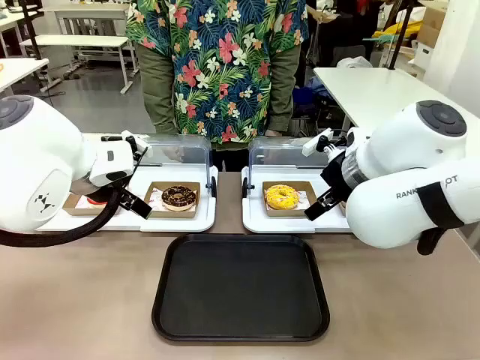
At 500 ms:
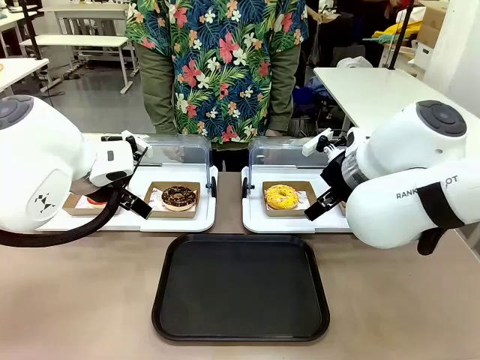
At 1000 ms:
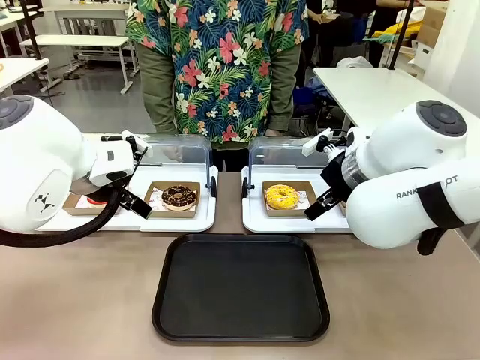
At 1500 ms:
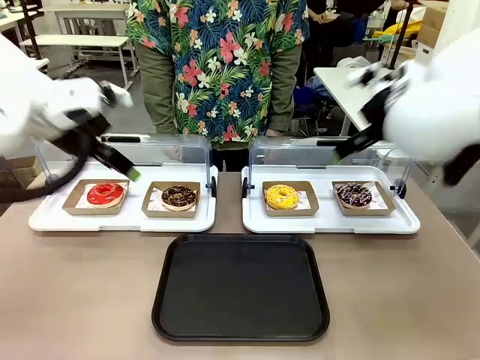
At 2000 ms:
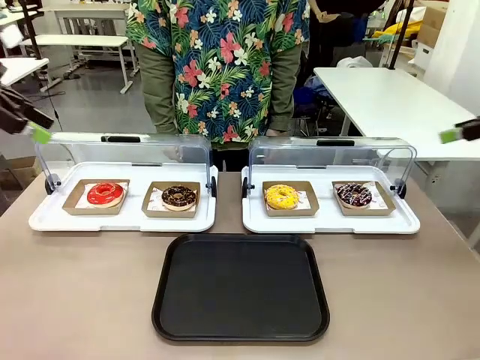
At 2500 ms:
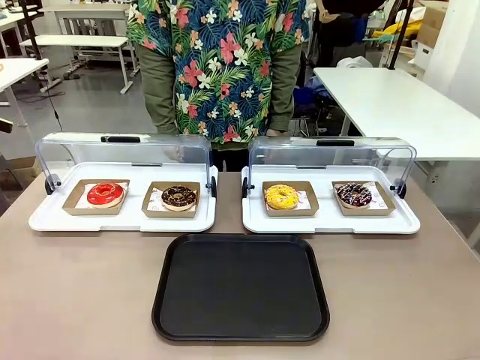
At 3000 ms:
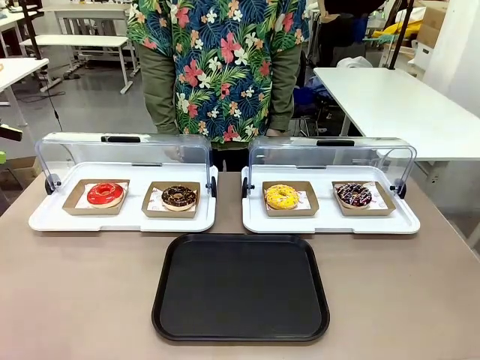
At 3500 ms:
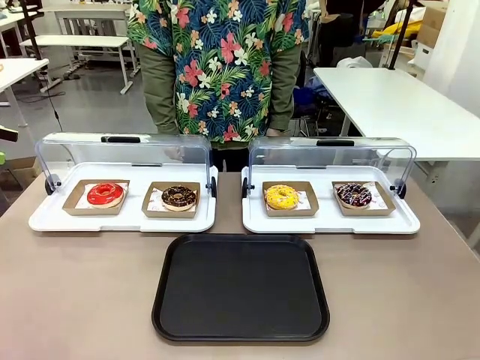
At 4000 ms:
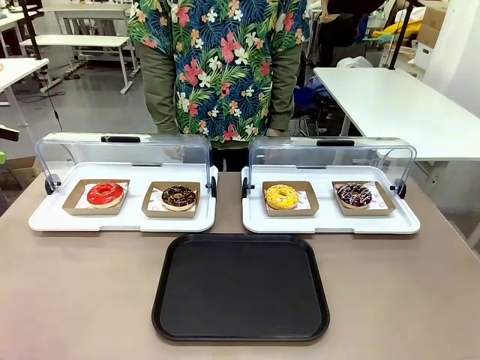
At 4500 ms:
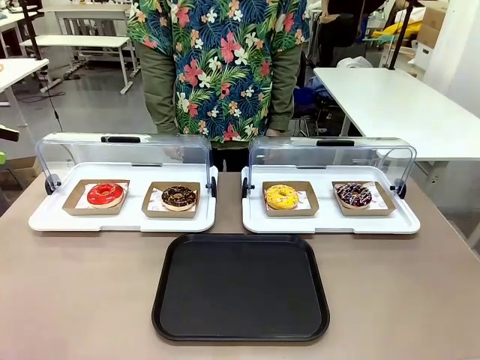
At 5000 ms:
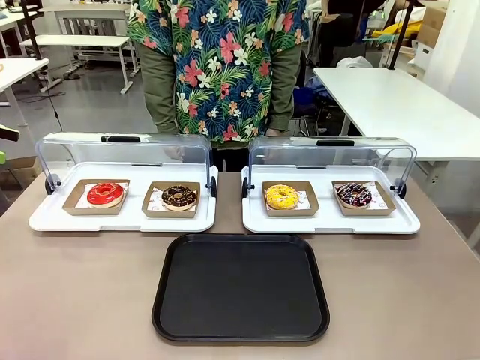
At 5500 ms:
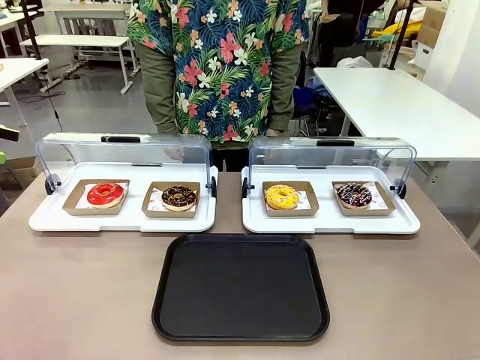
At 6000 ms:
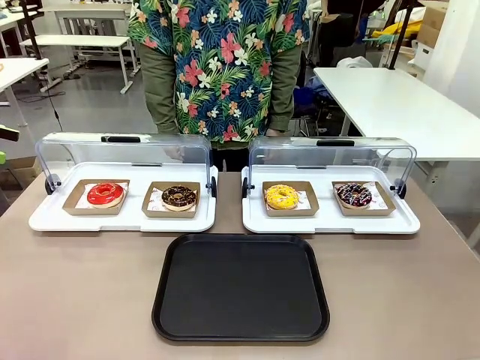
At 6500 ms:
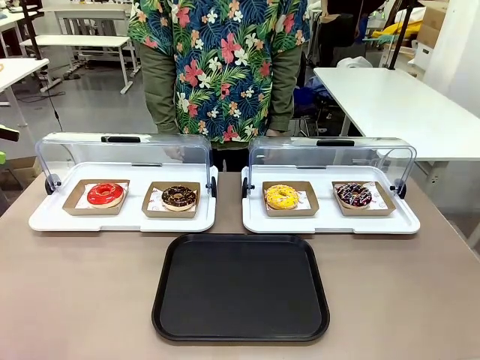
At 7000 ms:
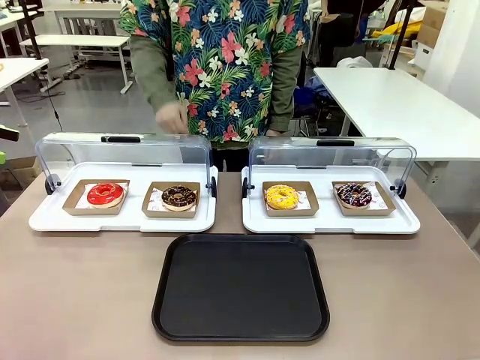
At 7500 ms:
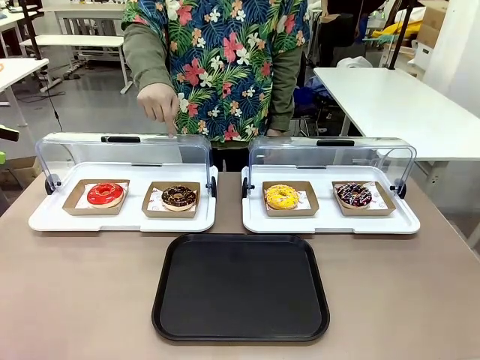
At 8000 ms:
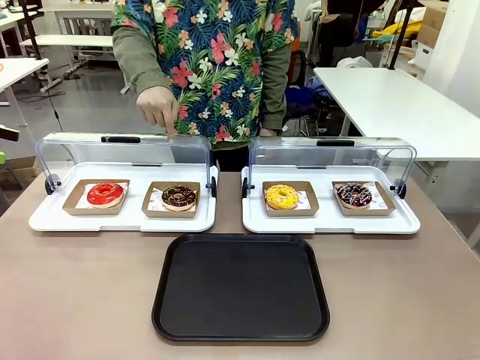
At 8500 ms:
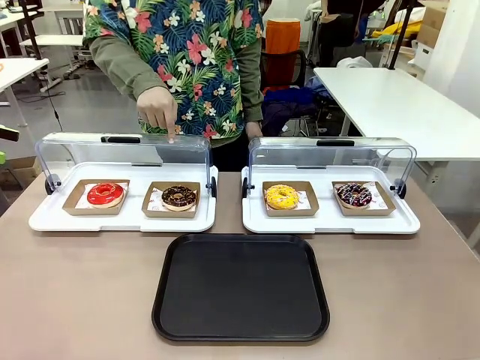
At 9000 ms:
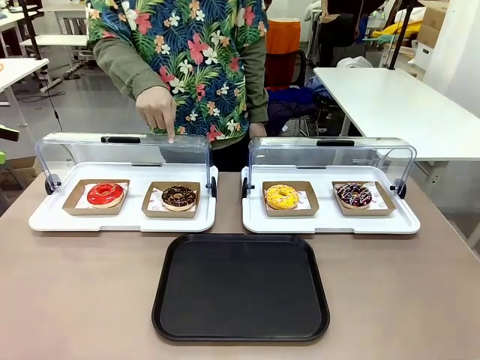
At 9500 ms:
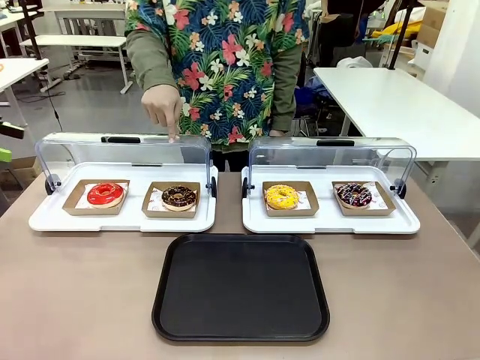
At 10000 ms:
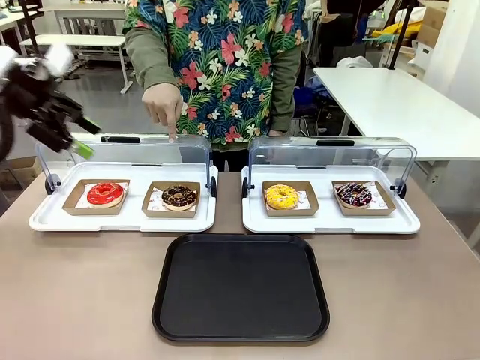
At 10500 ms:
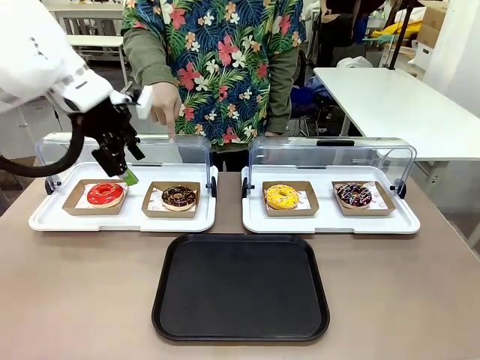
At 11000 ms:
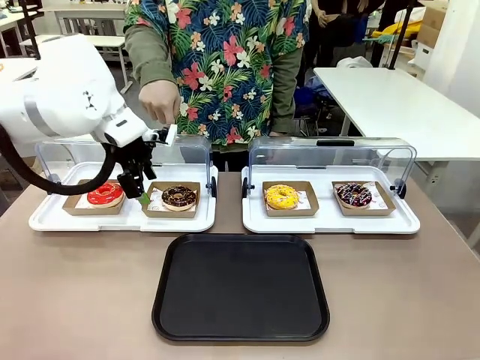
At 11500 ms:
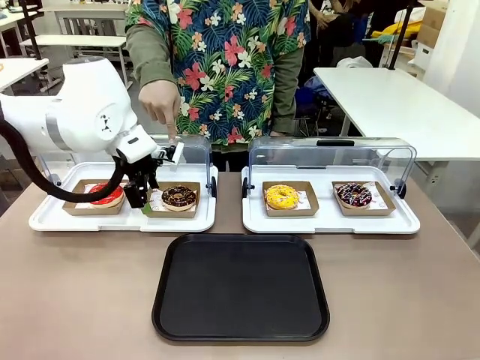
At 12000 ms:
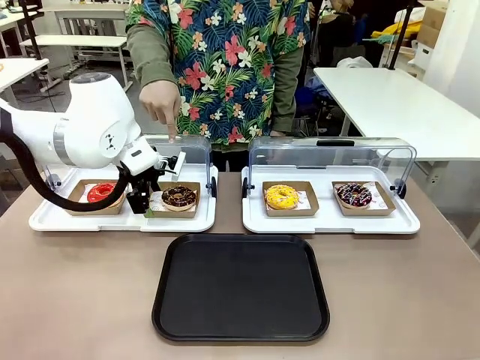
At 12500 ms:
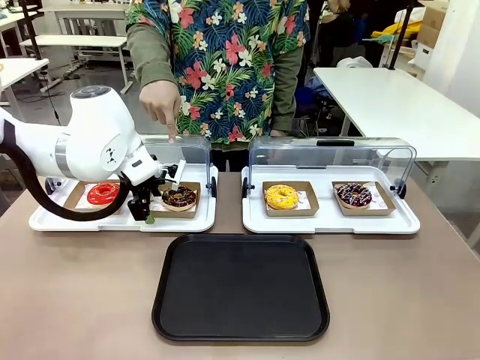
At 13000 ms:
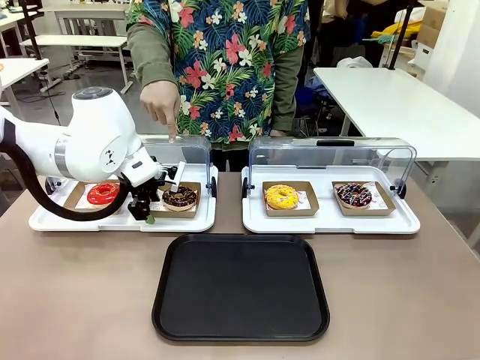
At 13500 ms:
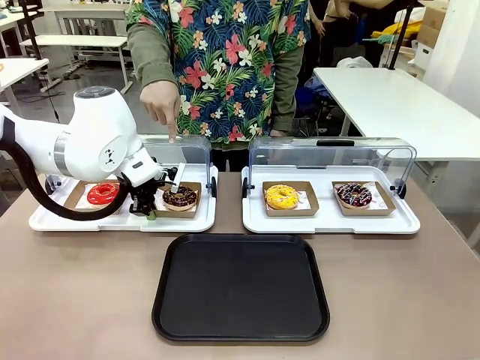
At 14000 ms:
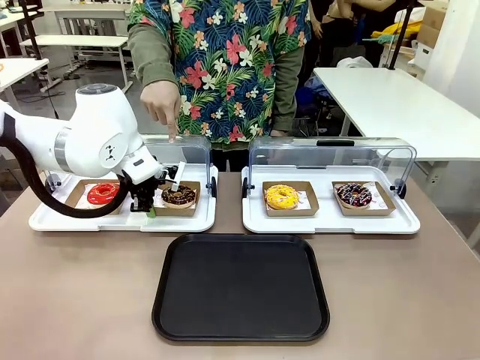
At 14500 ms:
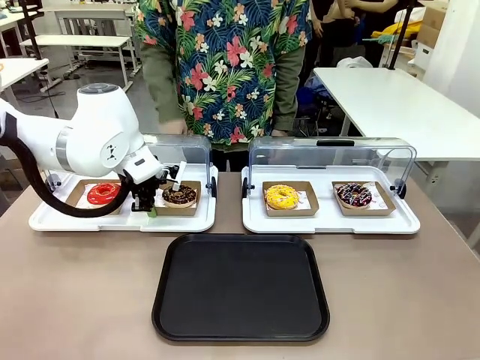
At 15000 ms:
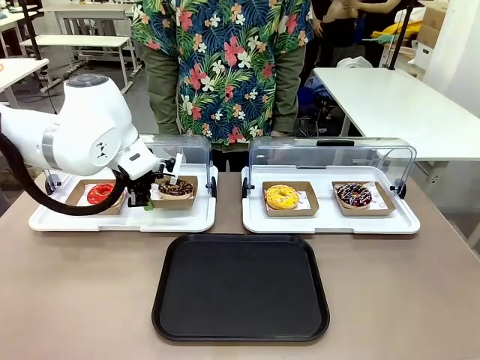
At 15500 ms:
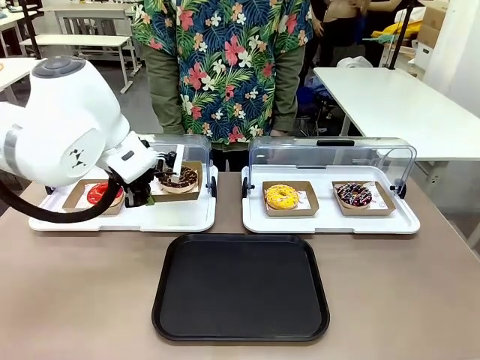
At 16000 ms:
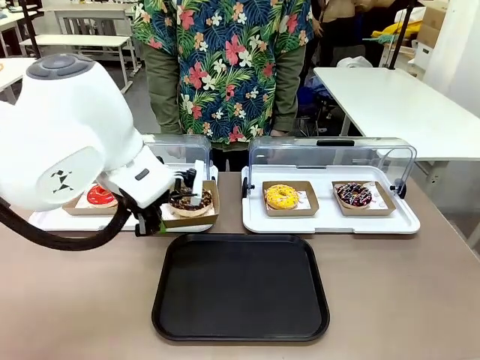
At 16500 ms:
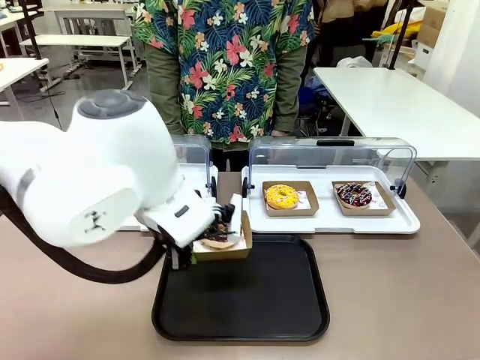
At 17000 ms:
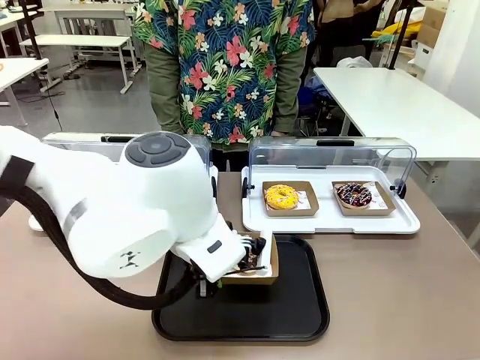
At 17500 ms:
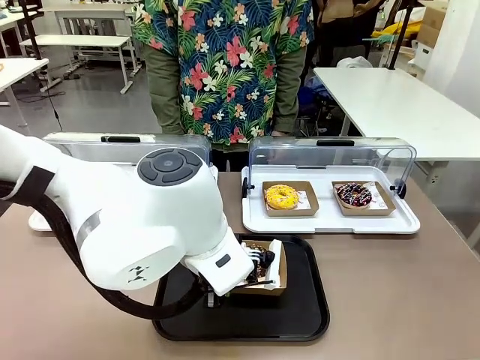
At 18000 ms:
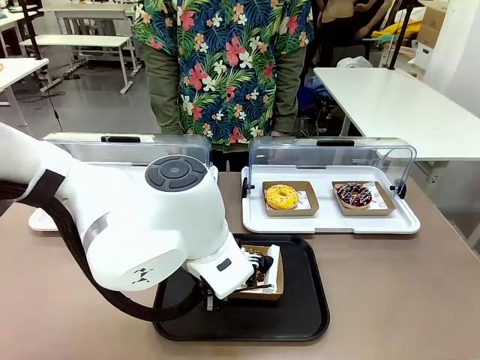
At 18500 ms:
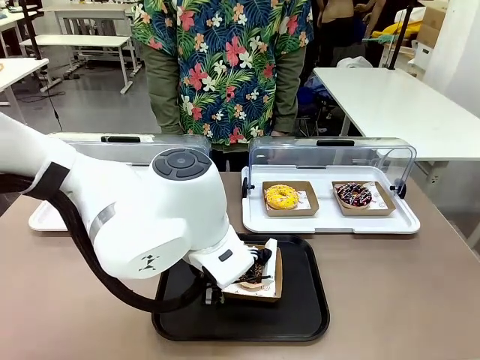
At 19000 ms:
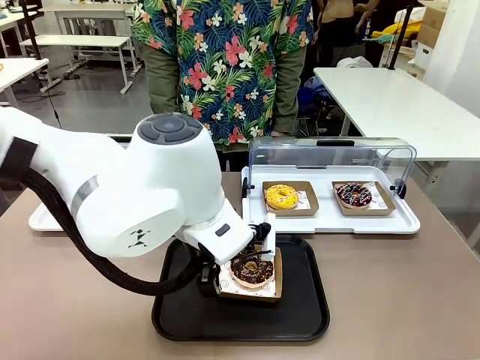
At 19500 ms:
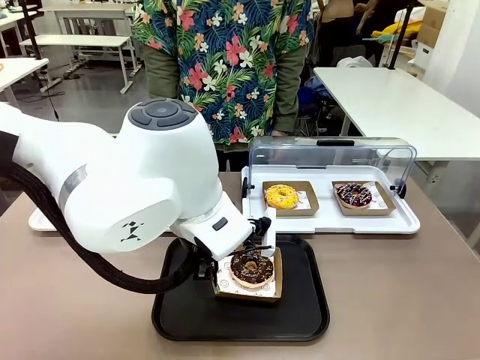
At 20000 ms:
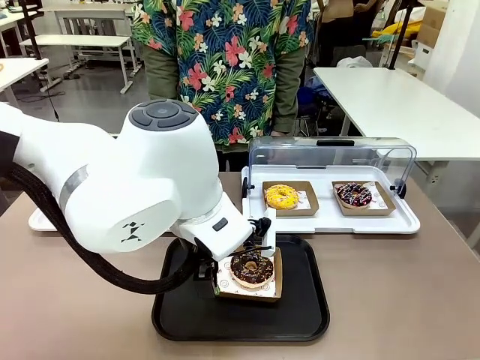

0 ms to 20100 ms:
Task: Move the second donut from the left to the tray.
Robot: Pick up the Paper togo box containing the Donut indicated by the person and place it on the Handle tray.
Person: Points to the second donut from the left from the robot’s perspective.
